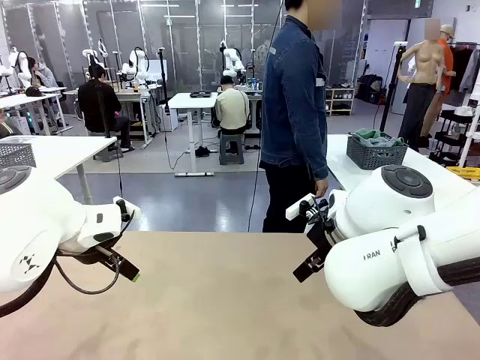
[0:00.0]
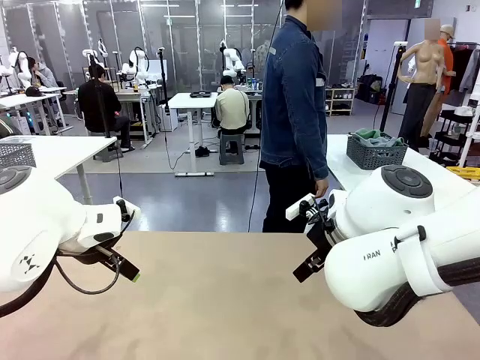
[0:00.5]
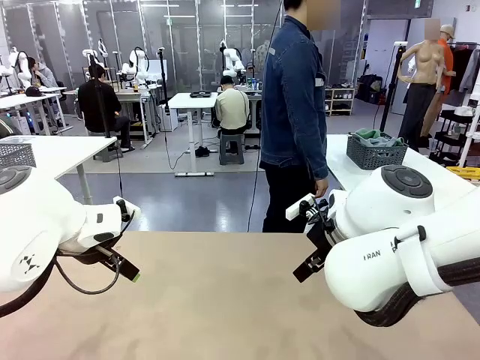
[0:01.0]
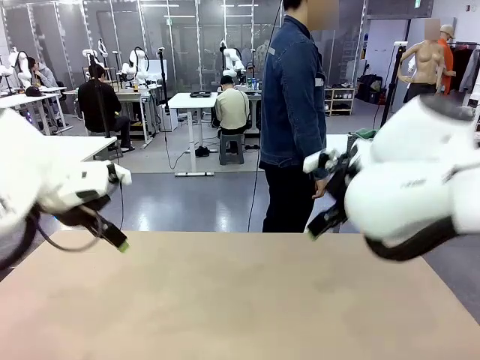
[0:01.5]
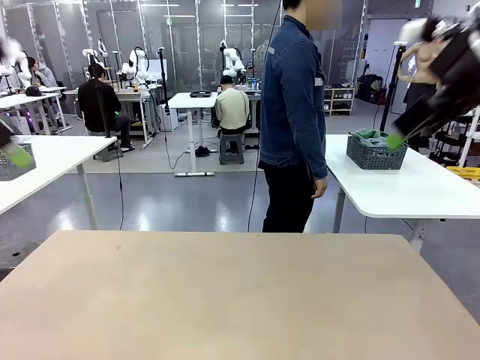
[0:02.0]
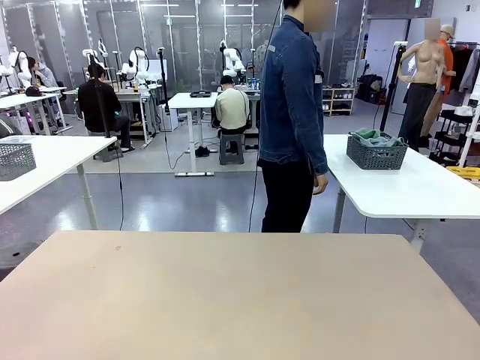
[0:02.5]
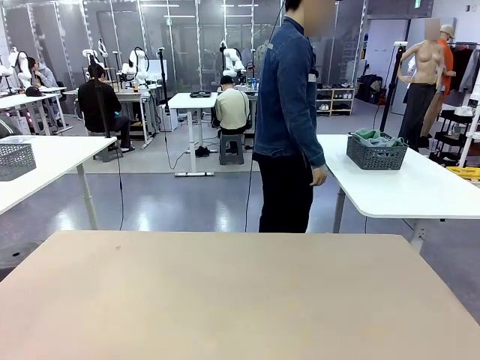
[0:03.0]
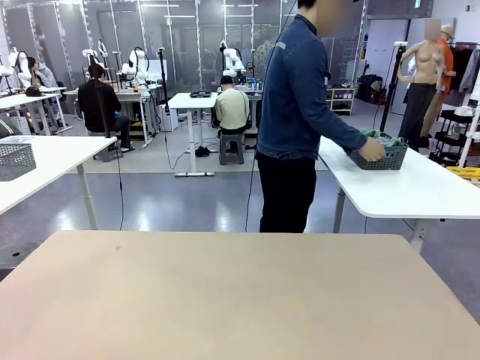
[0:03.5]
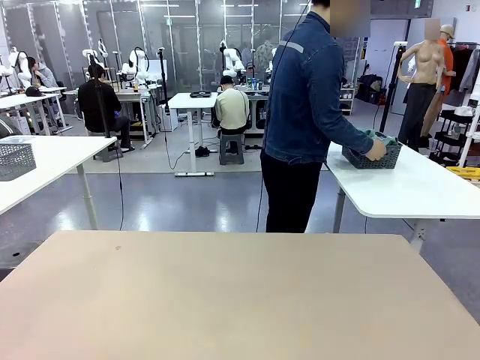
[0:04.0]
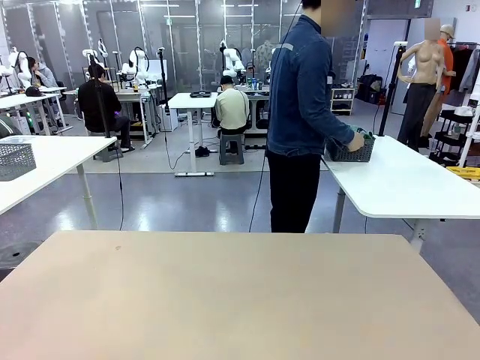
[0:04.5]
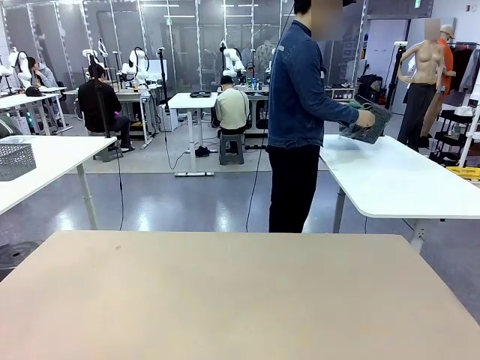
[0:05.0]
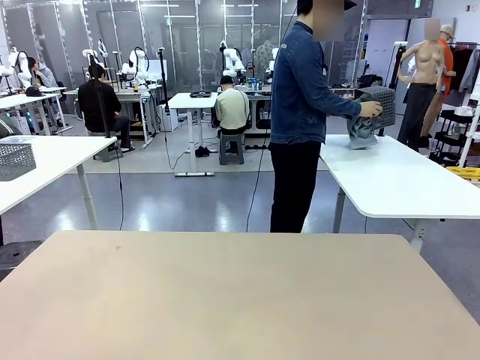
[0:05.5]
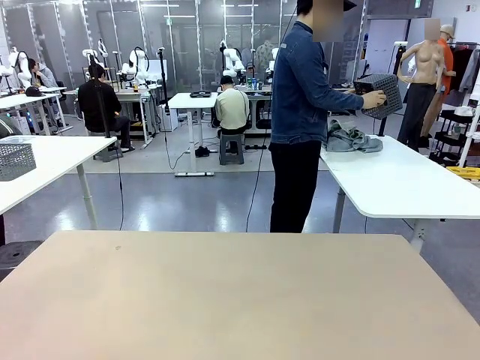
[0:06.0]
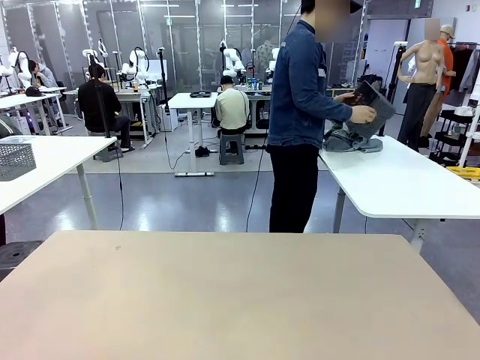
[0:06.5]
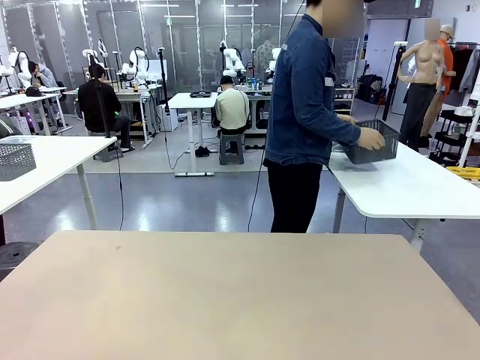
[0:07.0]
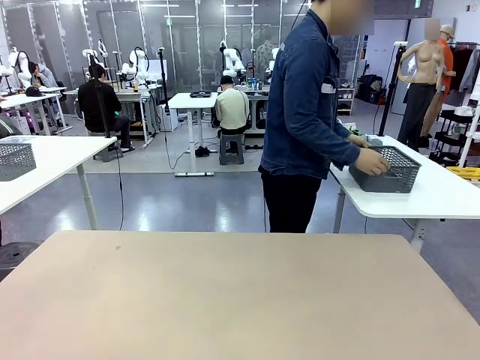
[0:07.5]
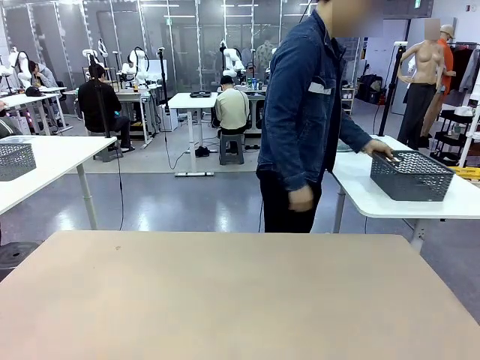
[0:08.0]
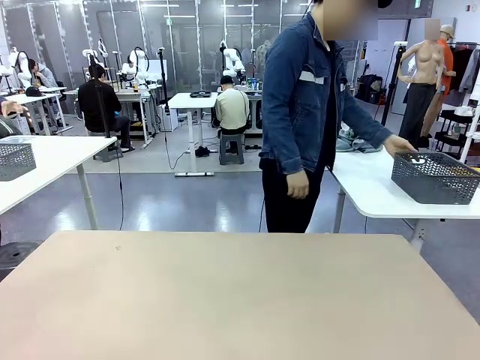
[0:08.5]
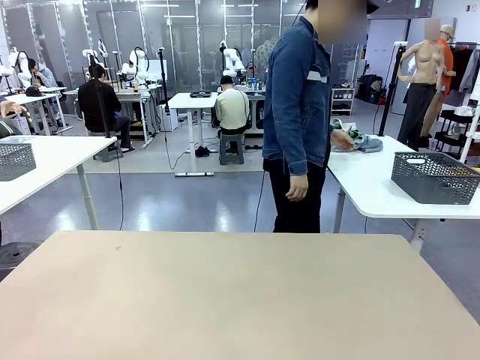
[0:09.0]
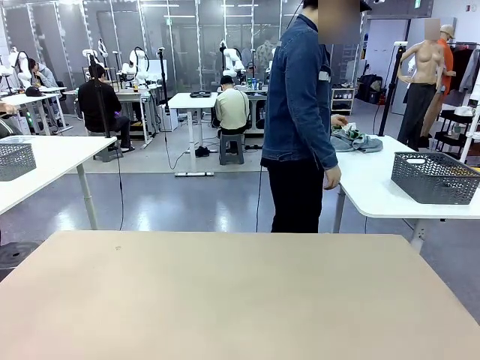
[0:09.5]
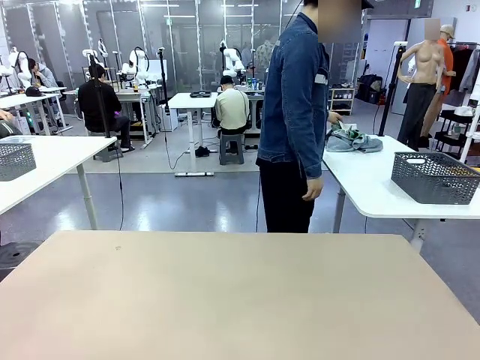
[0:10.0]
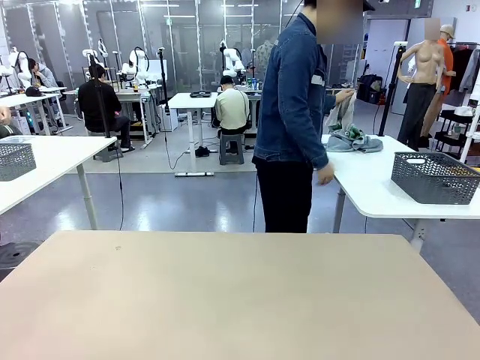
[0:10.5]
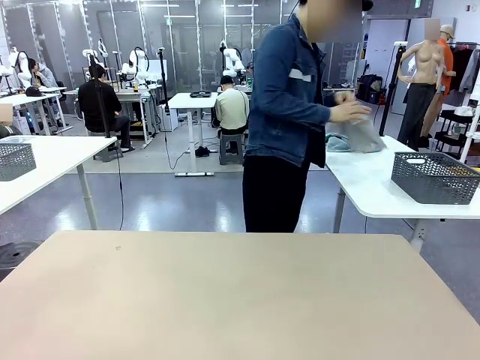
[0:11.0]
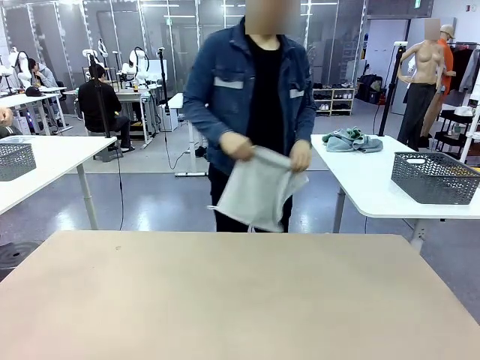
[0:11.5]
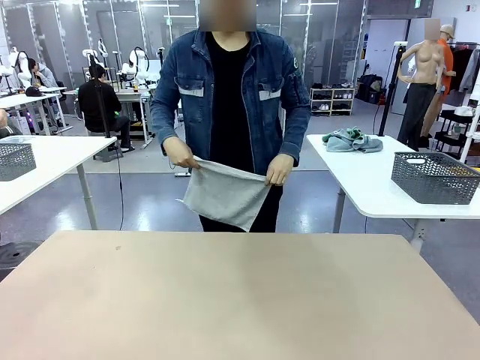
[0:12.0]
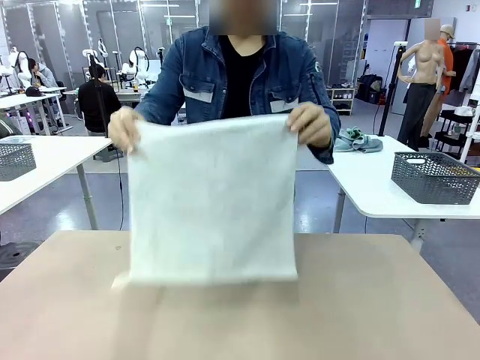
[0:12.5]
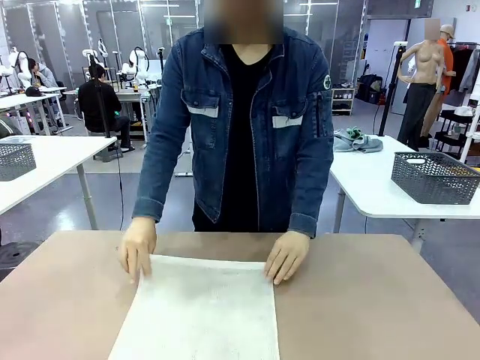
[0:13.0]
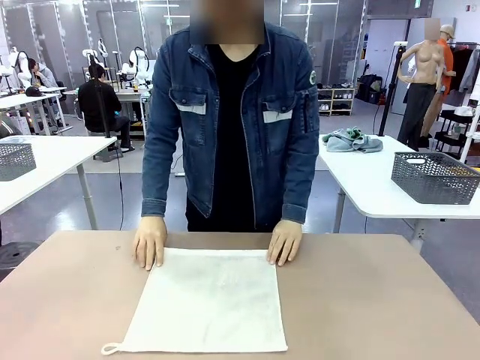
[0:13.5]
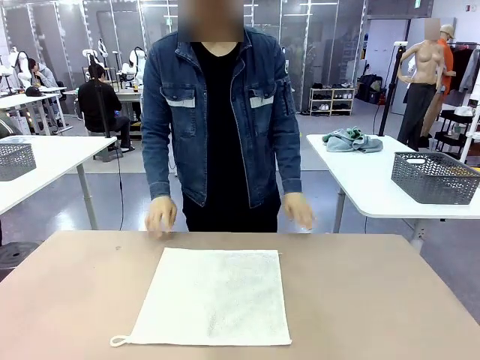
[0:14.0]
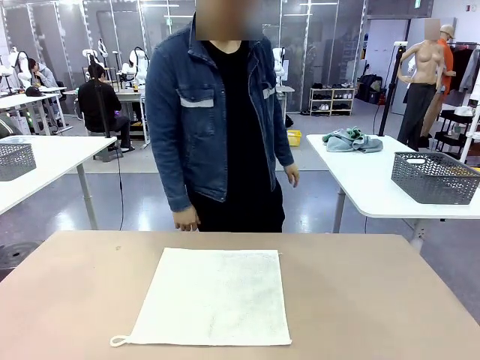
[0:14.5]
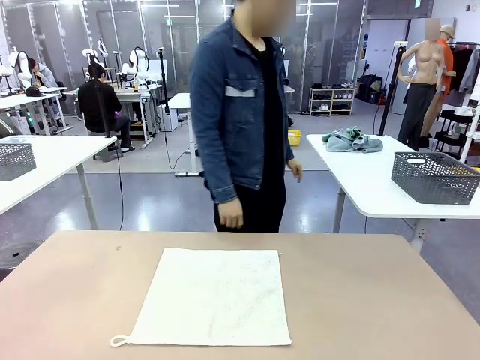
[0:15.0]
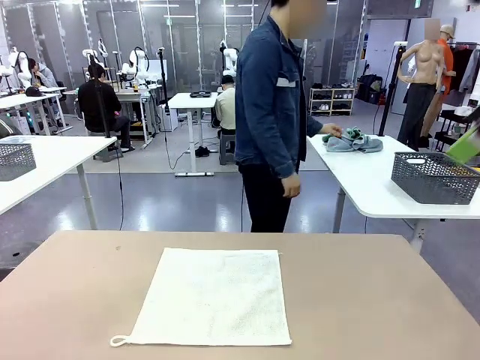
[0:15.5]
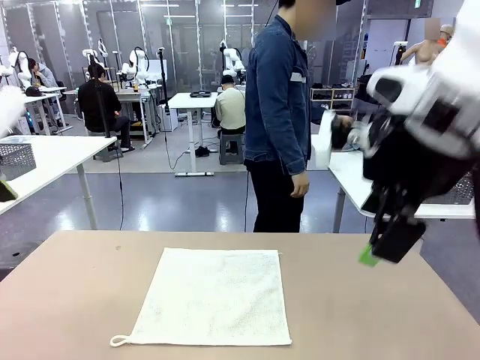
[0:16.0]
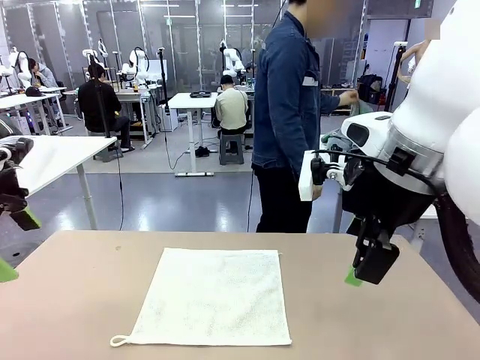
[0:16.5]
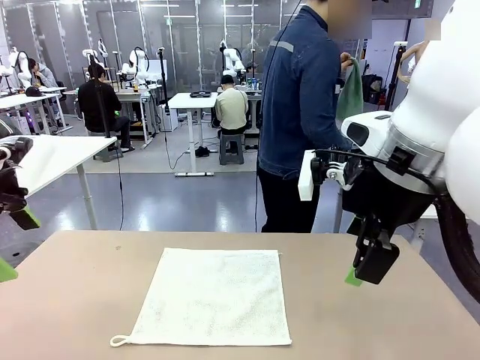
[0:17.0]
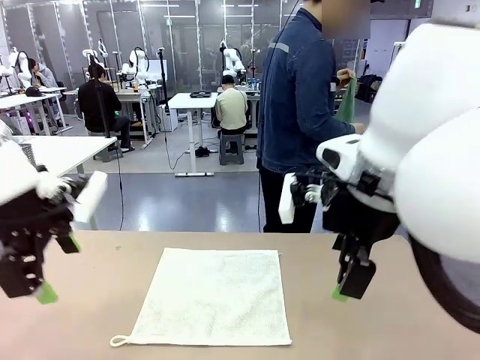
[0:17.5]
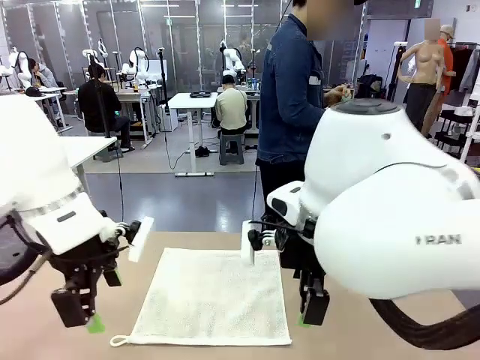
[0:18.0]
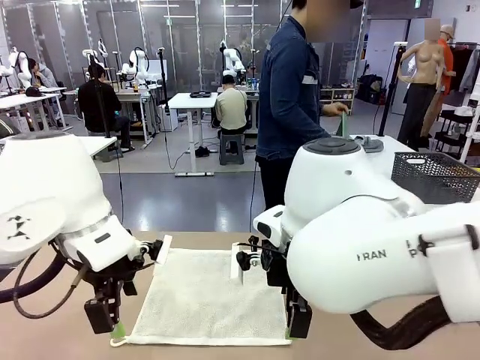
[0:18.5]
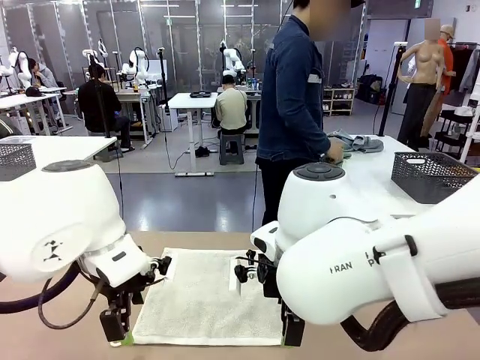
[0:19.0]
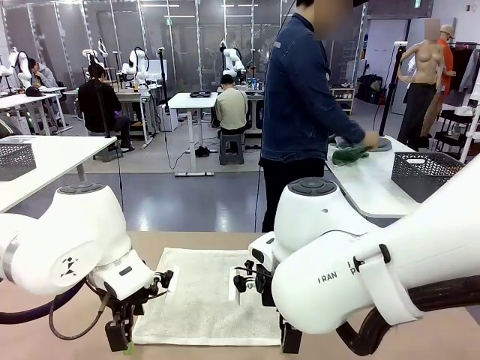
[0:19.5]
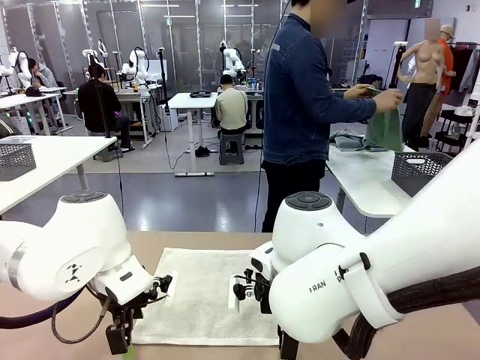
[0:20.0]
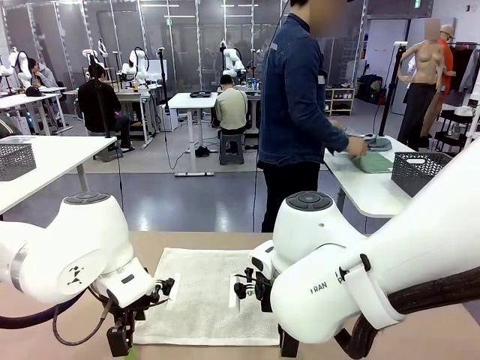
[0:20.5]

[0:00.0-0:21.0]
Task: Fold the towels and place them in the basket.
Robot: When a person lays out a Towel with hook on the table, fold it in half twice.
Person: Pick up the basket, pour the towels onto the left side of the human table, and place the basket on the right side. Pick up one towel and spread it out at the center of the robot table.

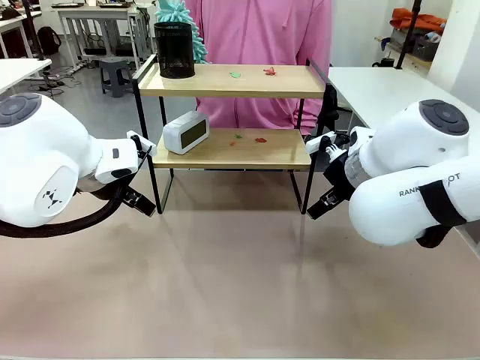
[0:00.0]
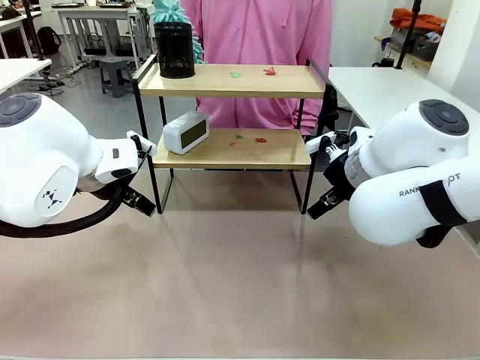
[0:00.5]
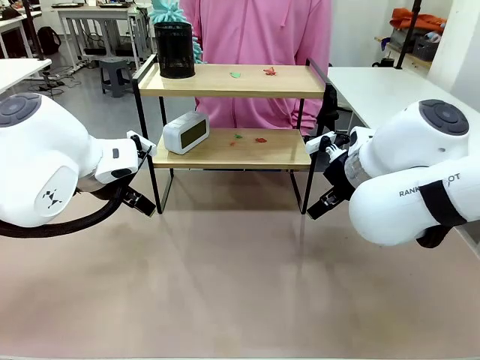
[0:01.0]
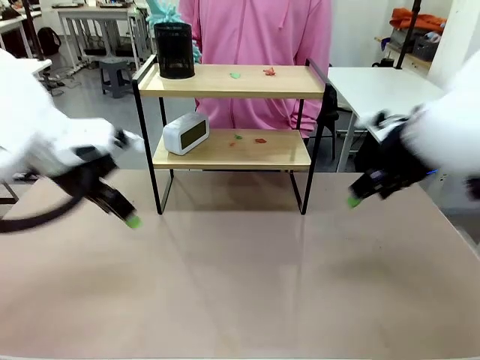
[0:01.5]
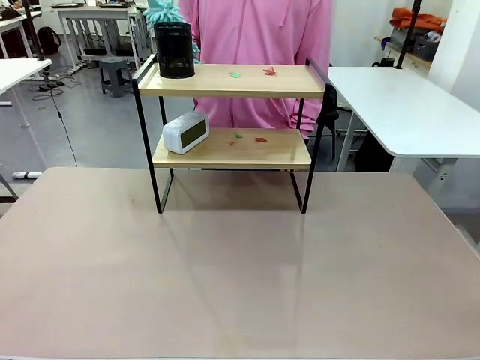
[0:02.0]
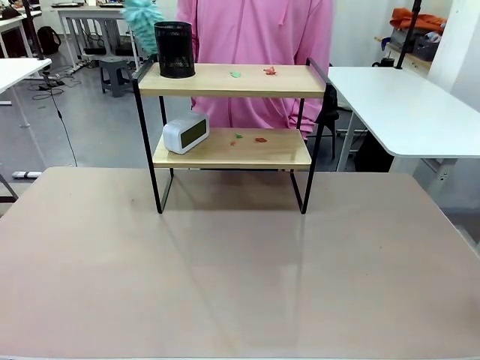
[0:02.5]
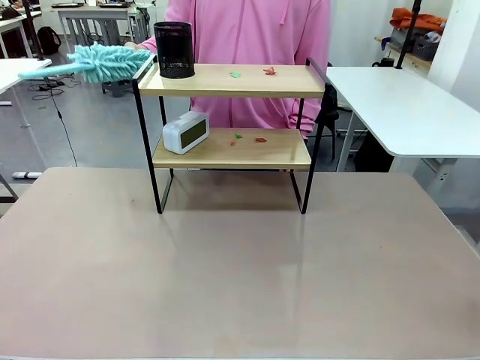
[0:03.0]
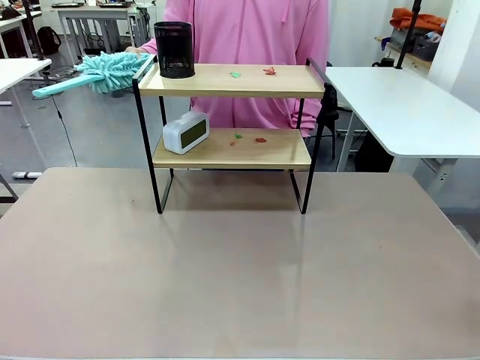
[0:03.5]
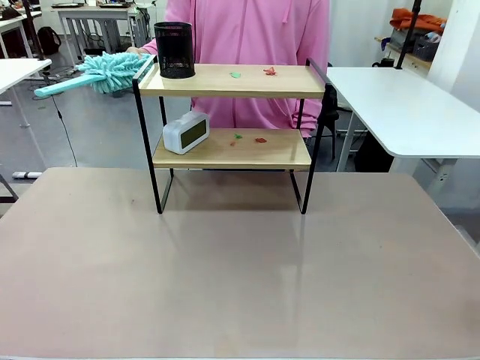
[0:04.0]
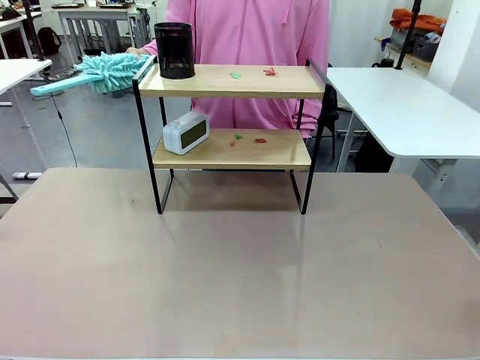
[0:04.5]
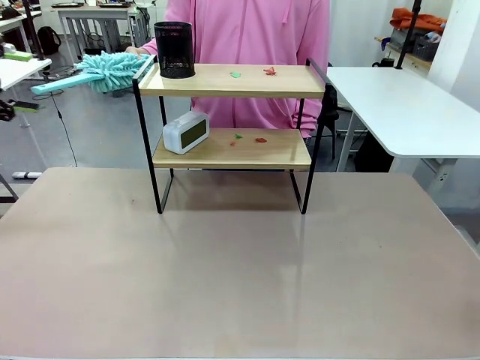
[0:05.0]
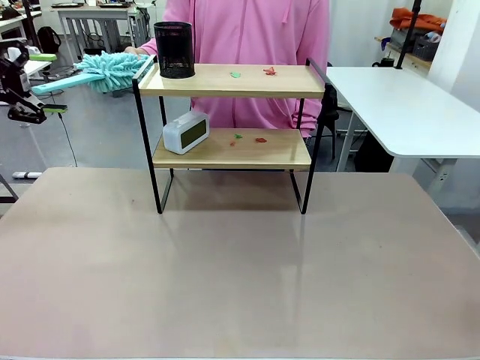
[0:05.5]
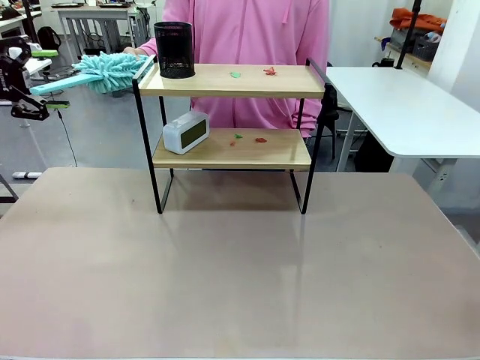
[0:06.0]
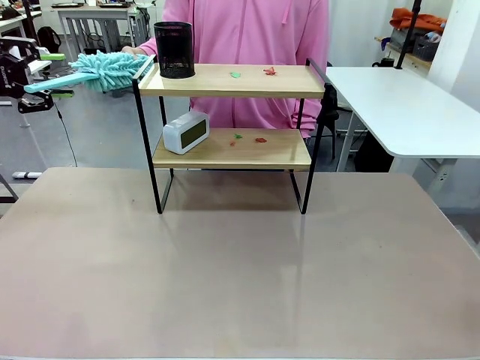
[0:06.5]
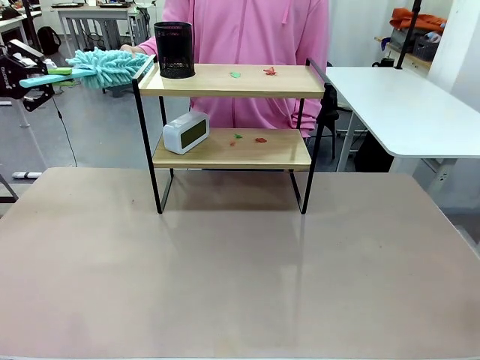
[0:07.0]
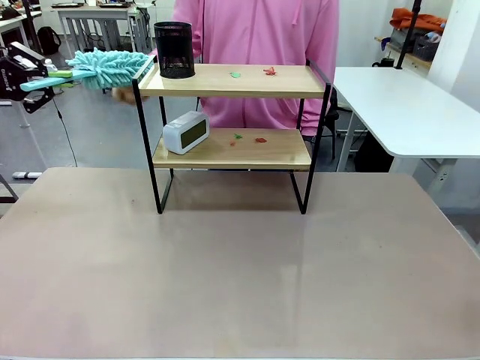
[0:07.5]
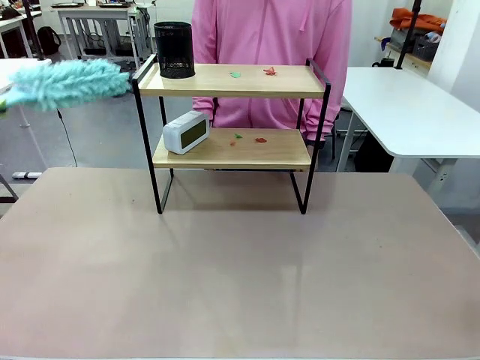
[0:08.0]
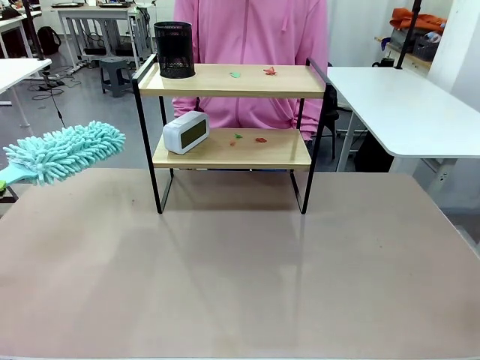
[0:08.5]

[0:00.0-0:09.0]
Task: Clean the shelf.
Robot: Pick up the Duster from the human.
Person: Hand the Duster to the robot.
